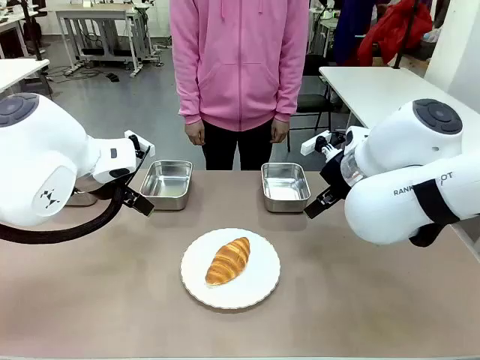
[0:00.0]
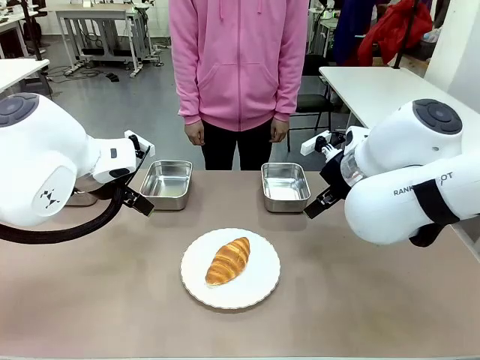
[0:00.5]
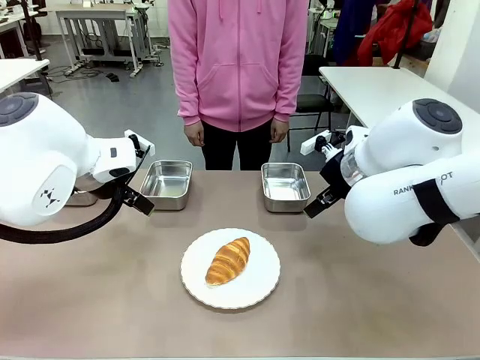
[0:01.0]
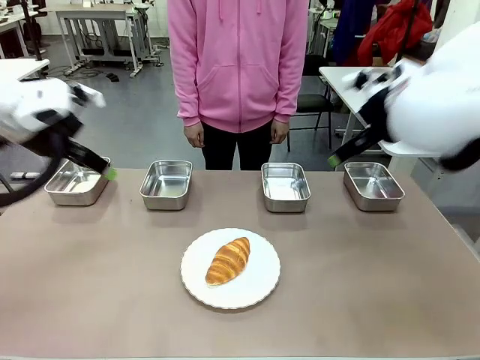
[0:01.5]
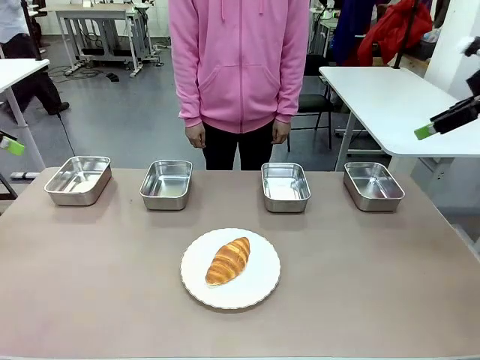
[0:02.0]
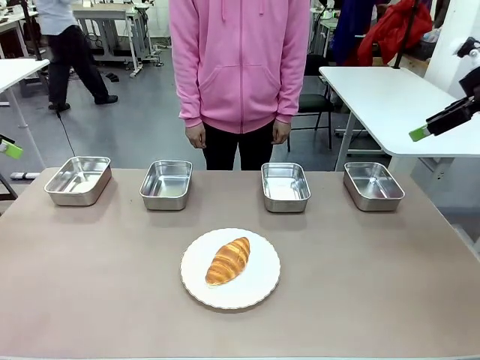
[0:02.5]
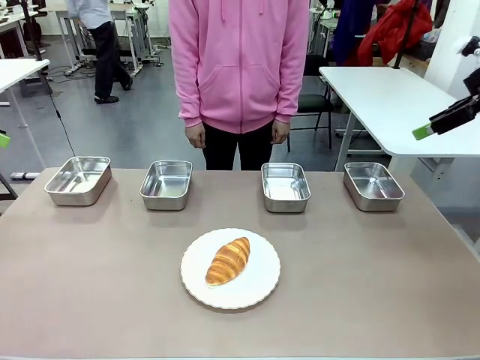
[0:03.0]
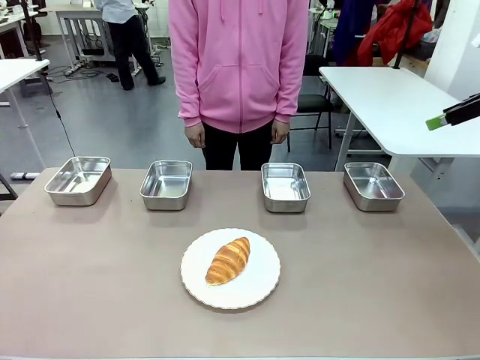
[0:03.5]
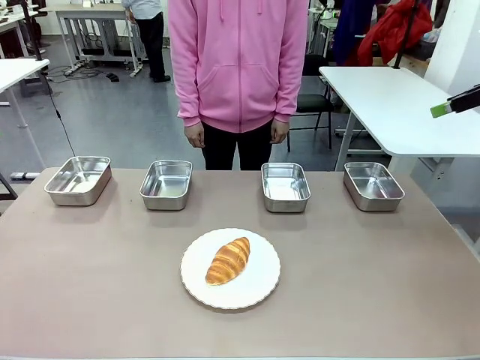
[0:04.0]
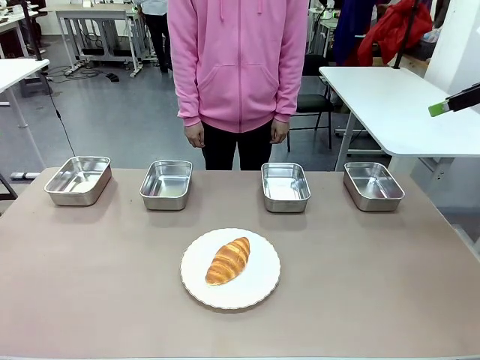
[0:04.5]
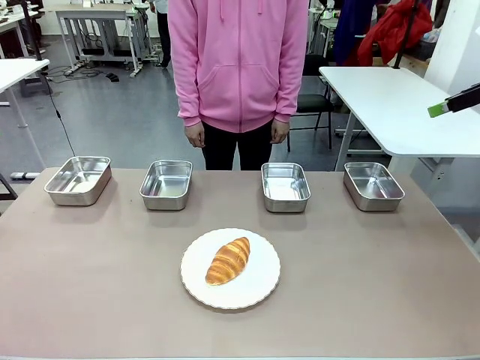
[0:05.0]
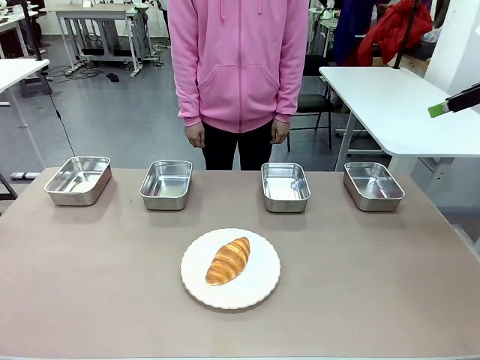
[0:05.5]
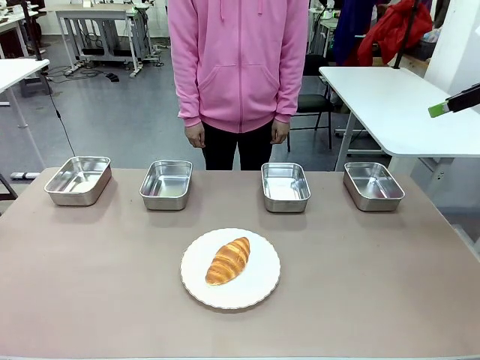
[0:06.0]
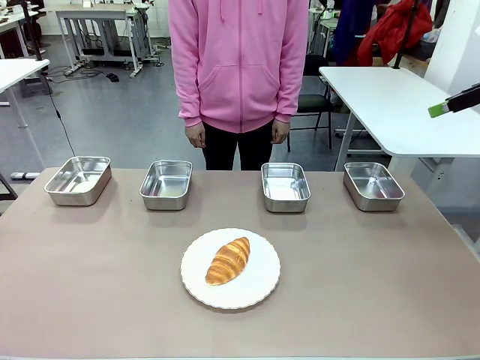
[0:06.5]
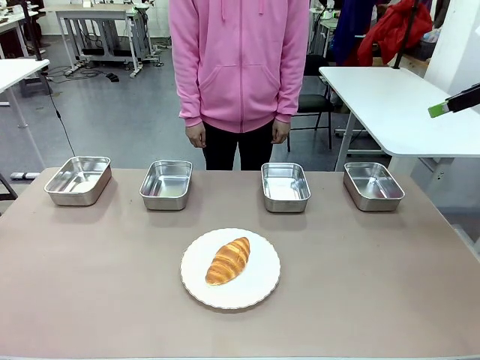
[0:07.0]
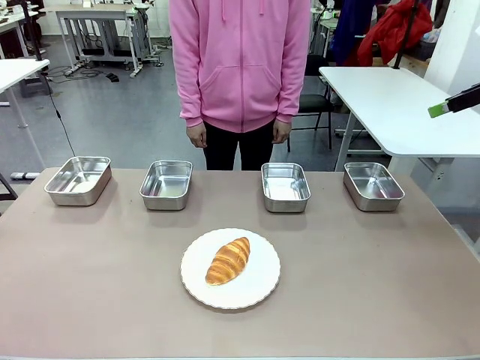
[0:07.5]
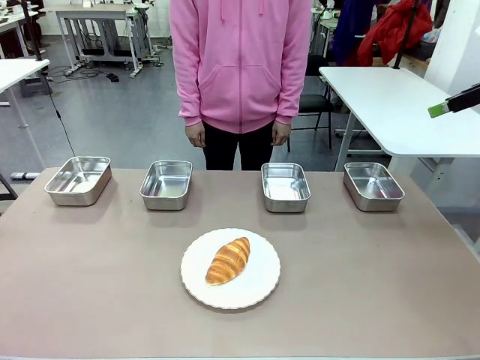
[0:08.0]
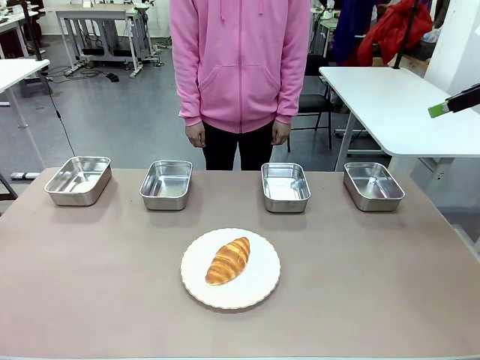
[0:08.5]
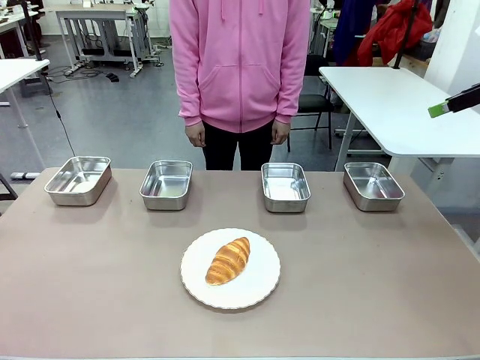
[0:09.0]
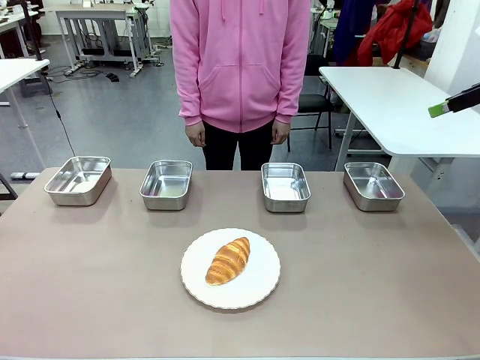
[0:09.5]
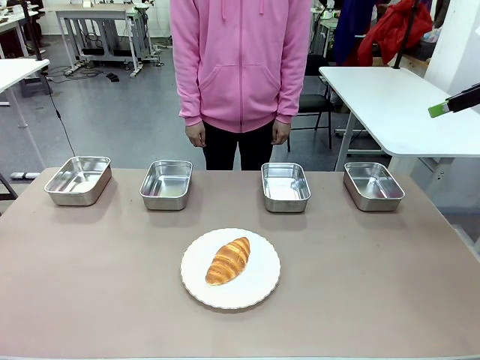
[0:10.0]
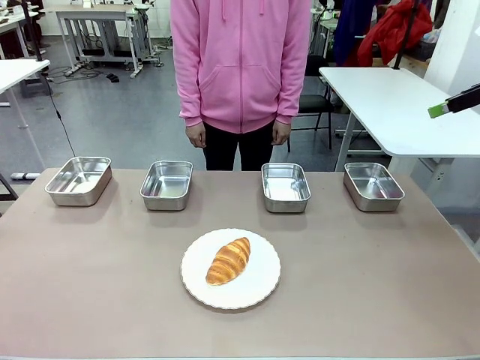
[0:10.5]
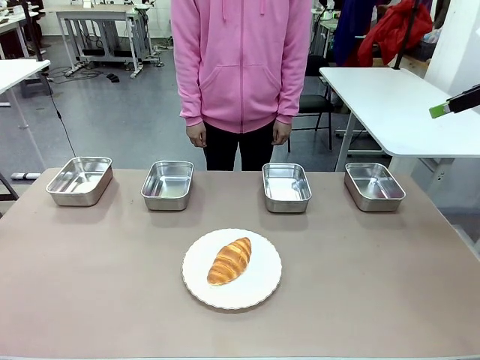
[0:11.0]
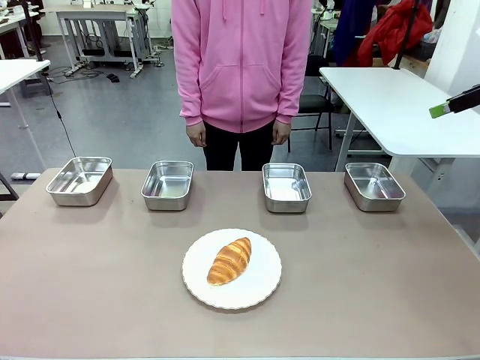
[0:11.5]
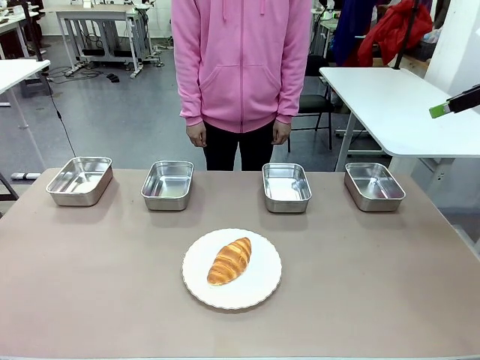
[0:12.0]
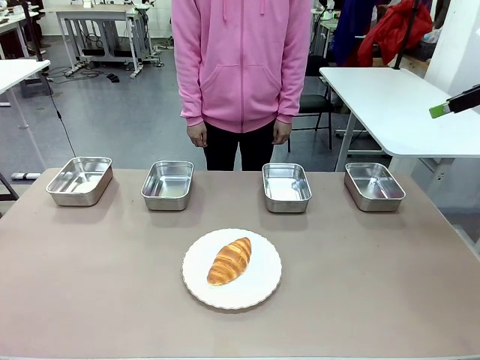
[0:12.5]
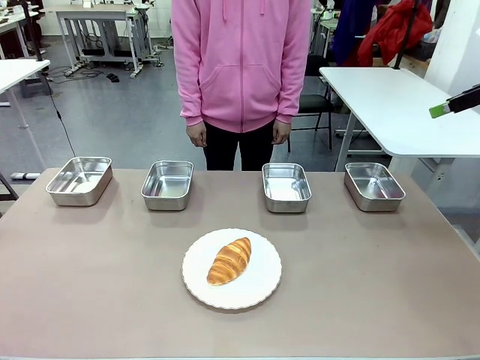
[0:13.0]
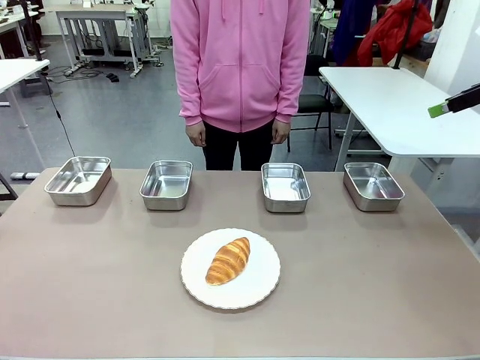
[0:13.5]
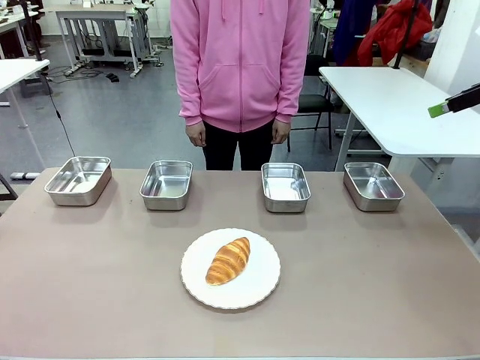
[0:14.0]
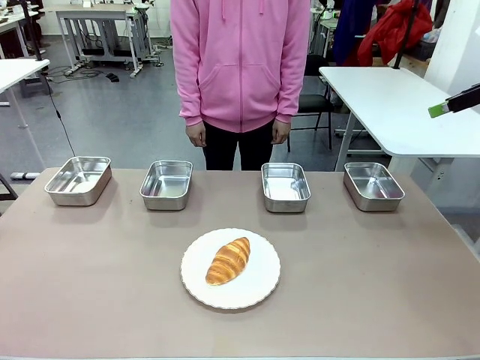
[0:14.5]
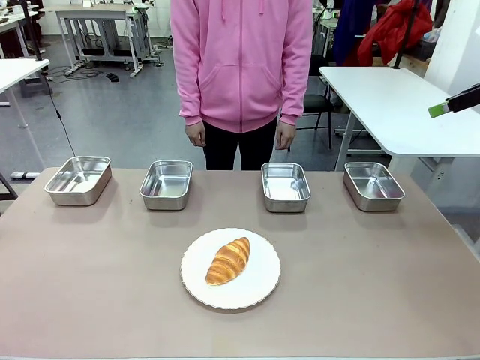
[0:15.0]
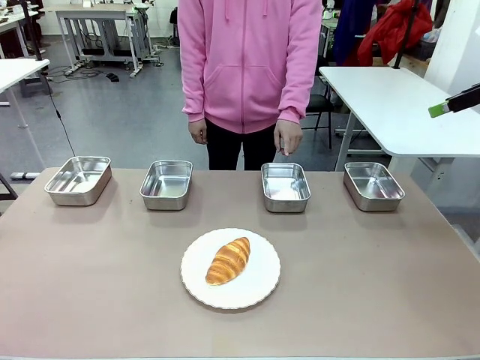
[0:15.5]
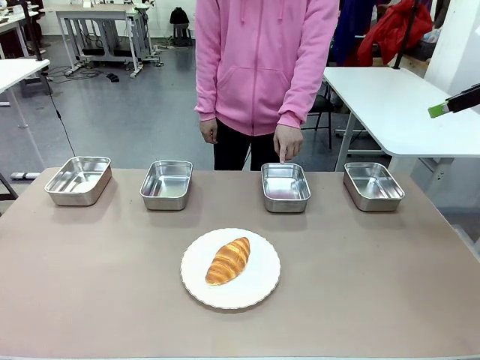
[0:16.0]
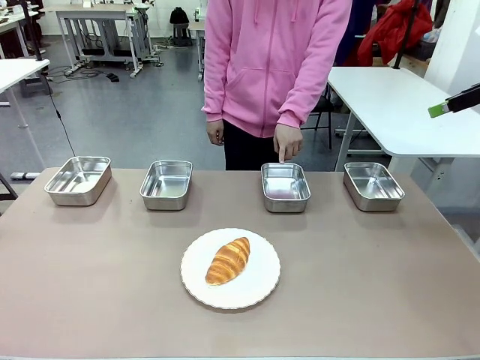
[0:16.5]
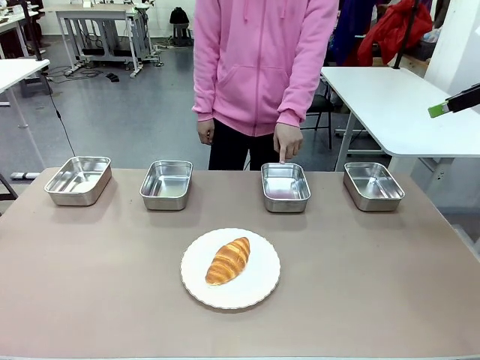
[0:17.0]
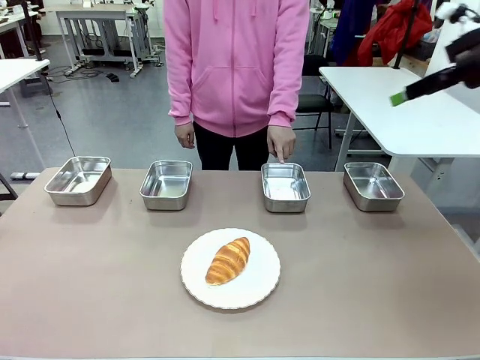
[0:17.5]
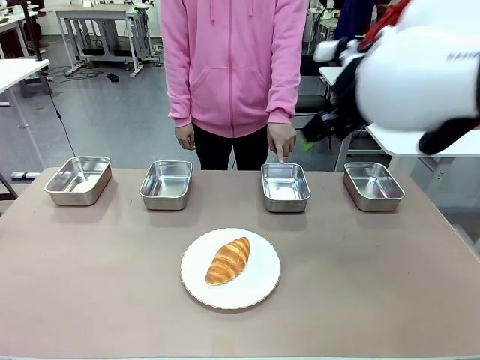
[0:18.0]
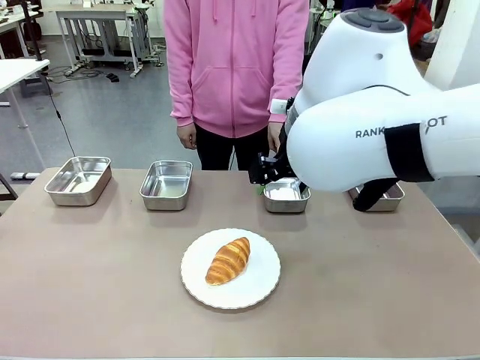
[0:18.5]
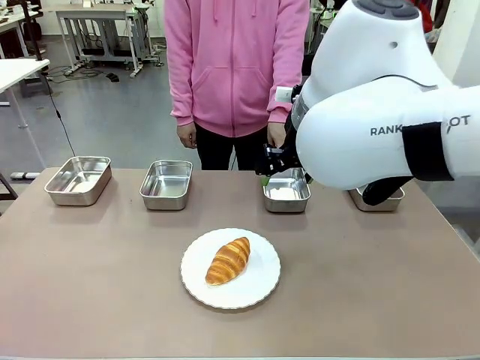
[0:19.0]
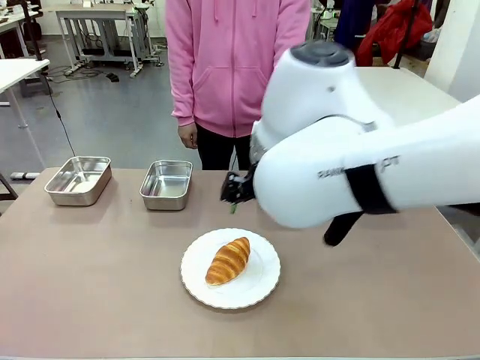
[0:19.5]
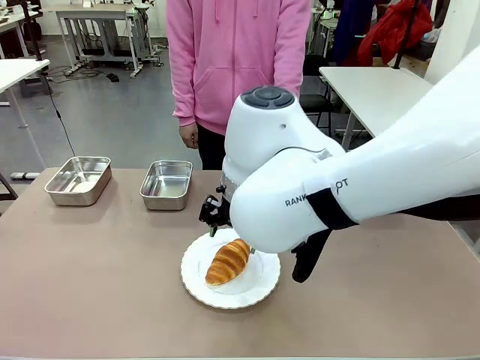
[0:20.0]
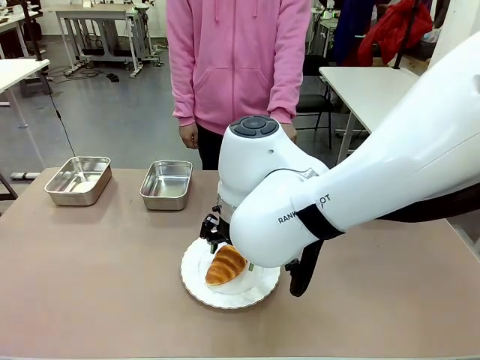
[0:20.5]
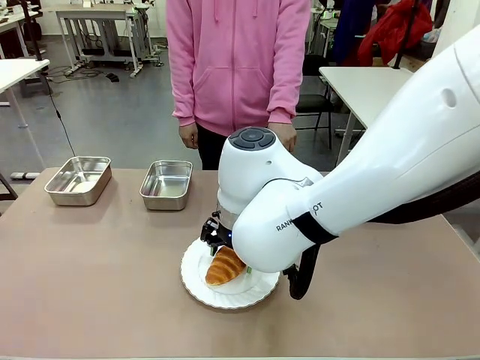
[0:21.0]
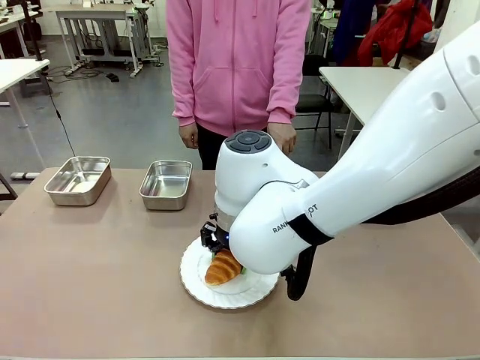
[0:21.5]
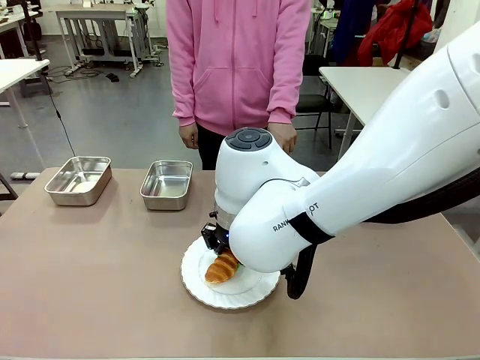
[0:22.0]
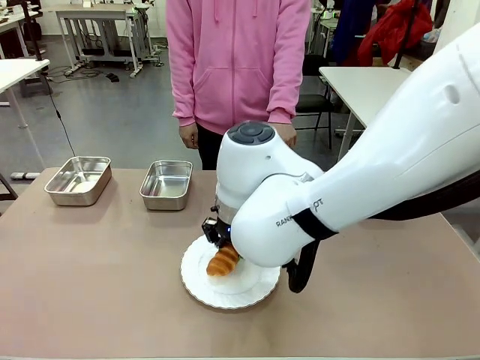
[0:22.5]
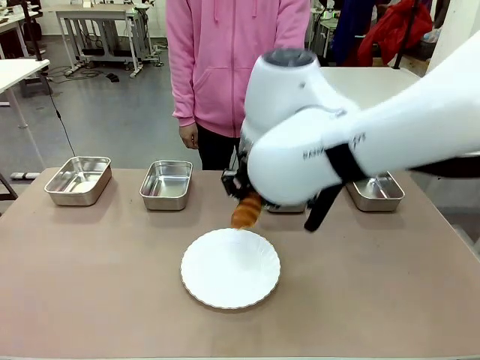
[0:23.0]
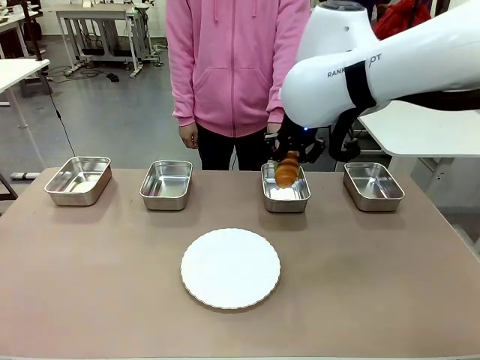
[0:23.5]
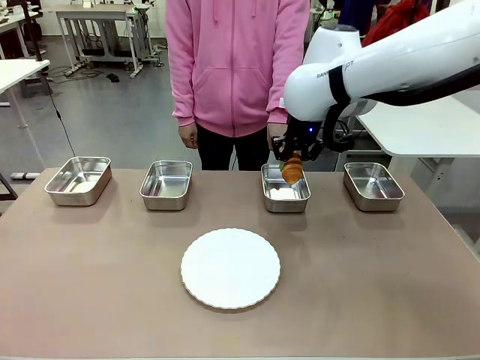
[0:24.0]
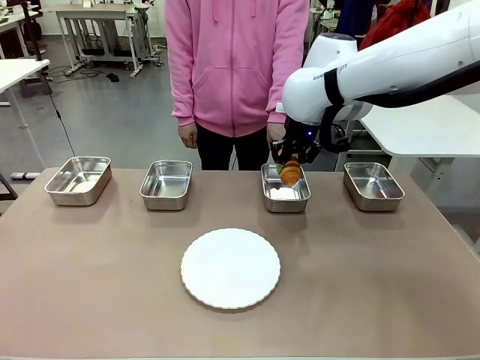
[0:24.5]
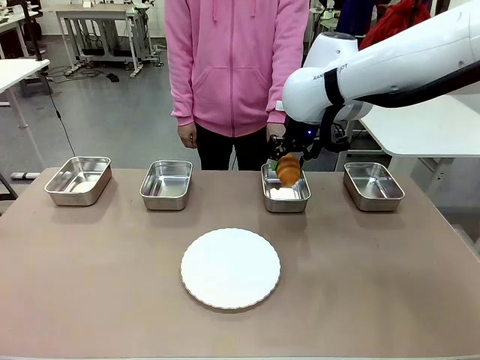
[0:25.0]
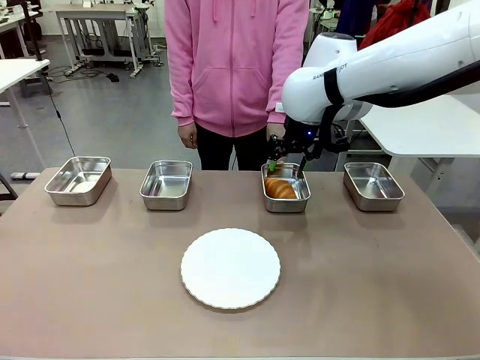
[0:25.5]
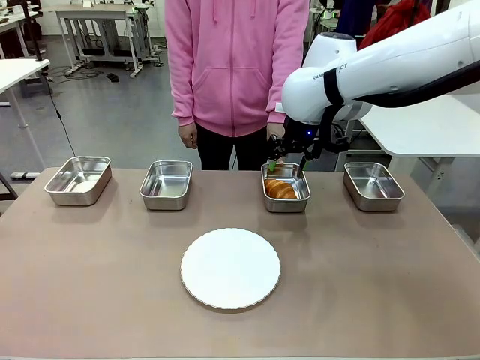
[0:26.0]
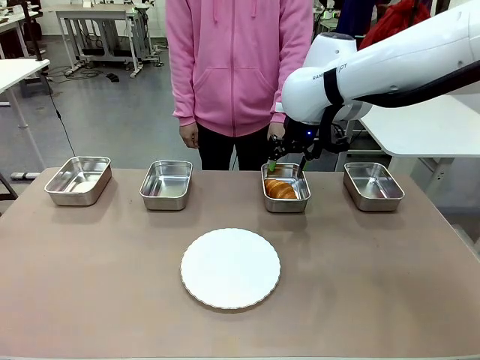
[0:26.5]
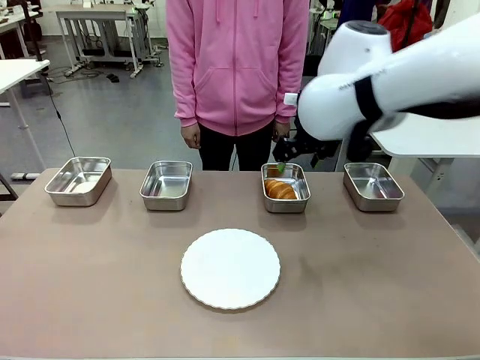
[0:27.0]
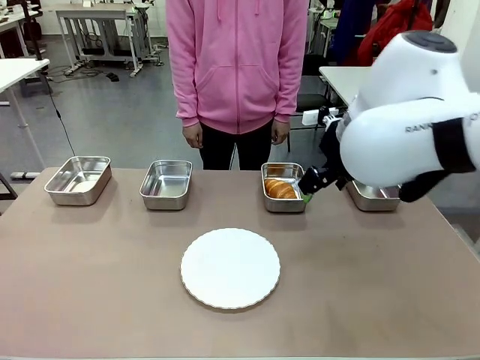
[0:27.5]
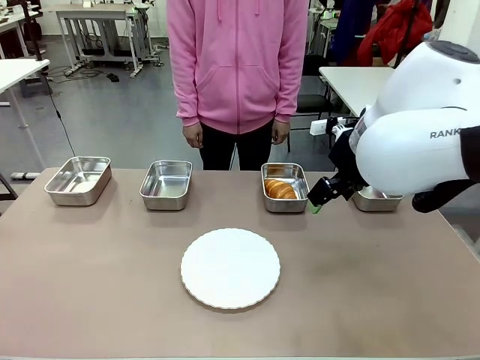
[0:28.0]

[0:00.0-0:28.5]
Task: Place the bread in the container.
Robot: Place the Butter Roll into the Airtight Container indicated by the human.
Person: A person randomly selects and points to an Airtight Container.
